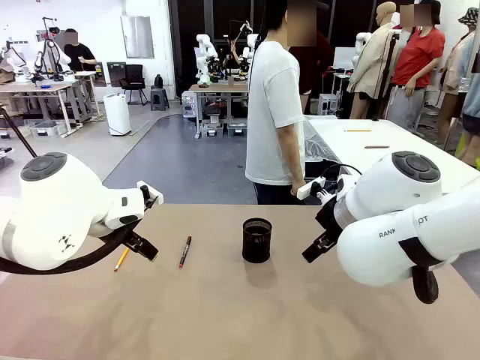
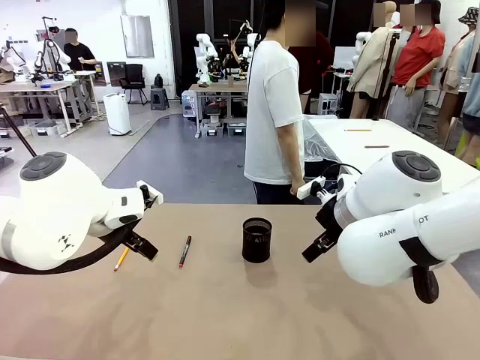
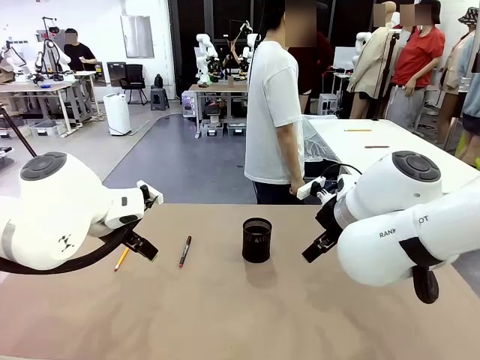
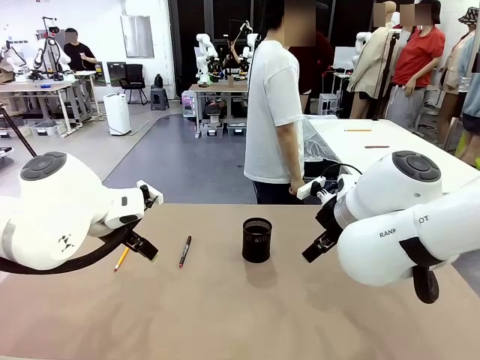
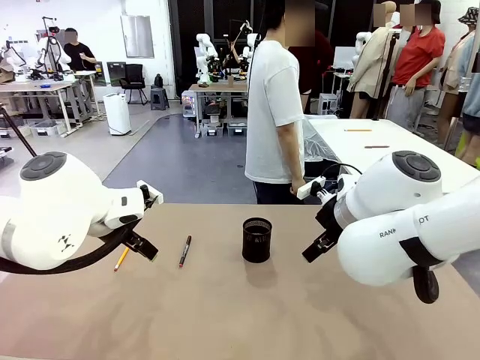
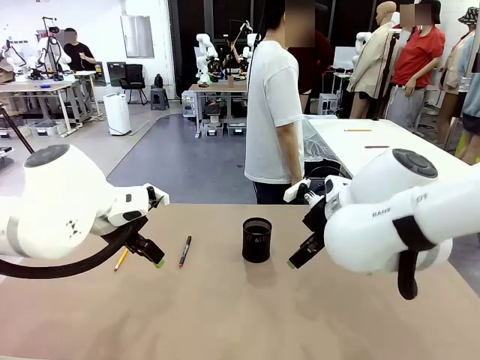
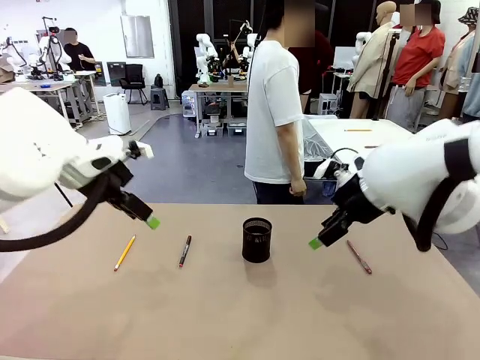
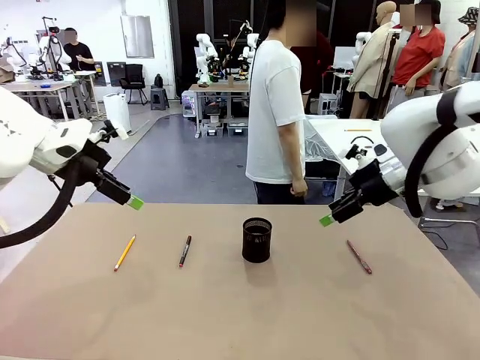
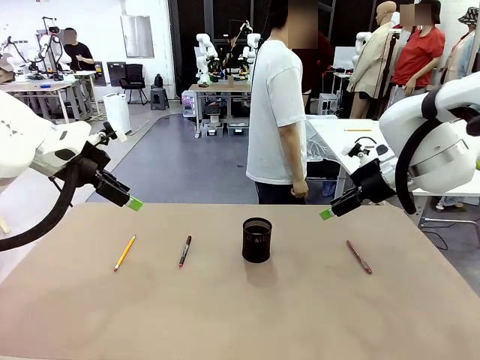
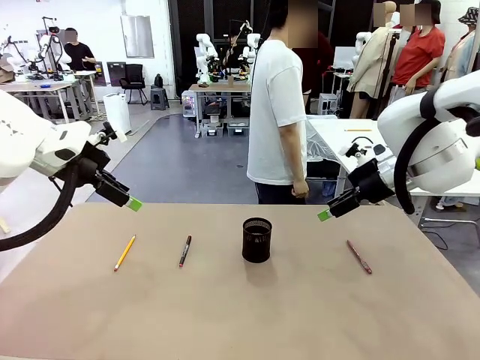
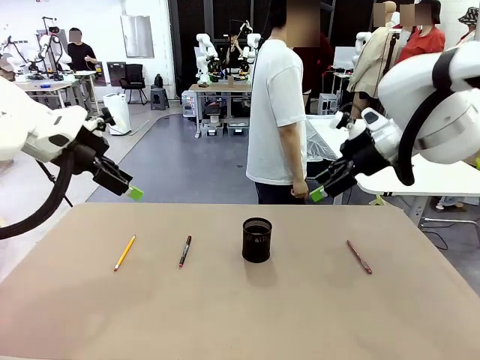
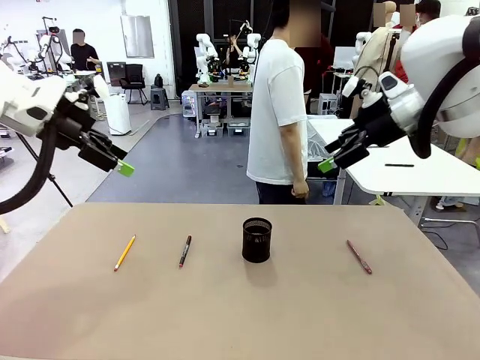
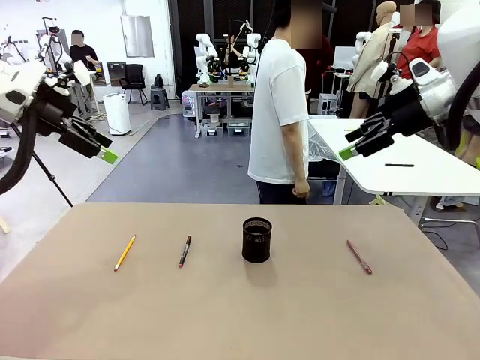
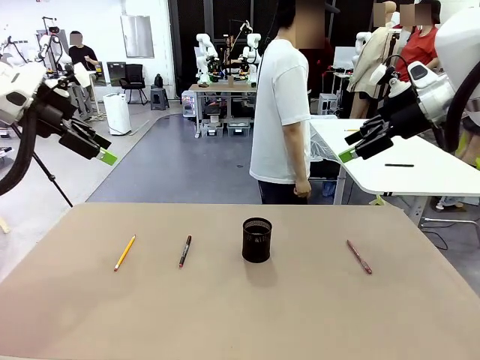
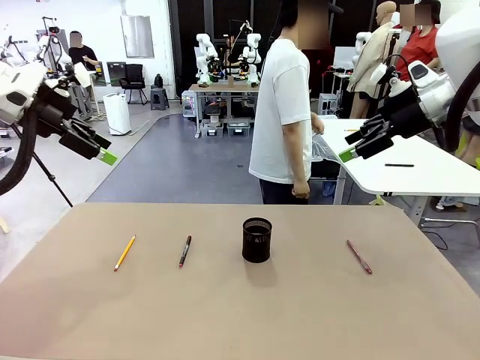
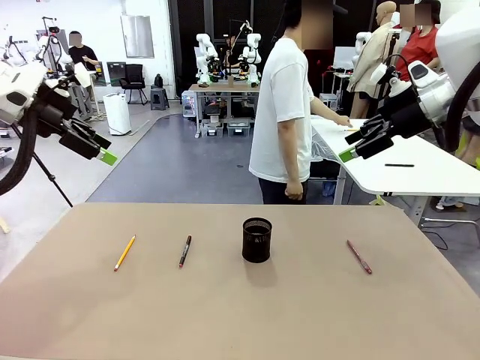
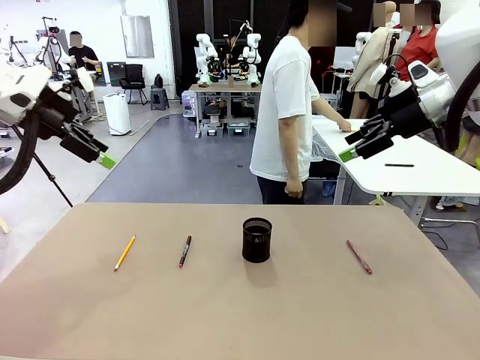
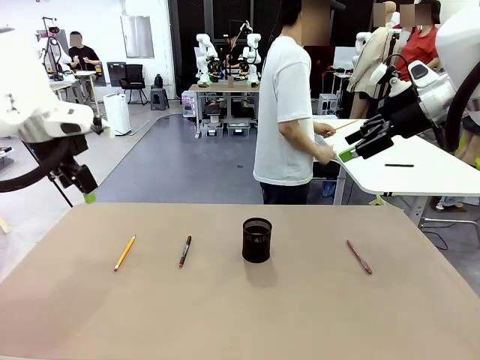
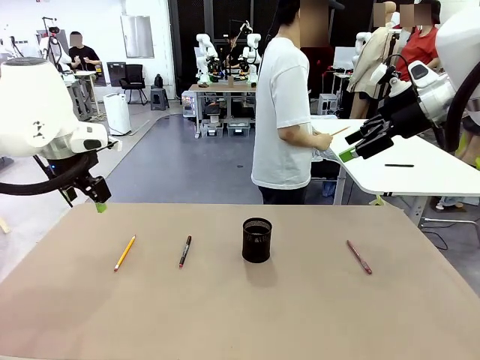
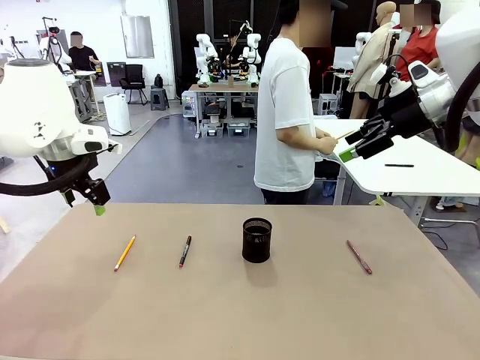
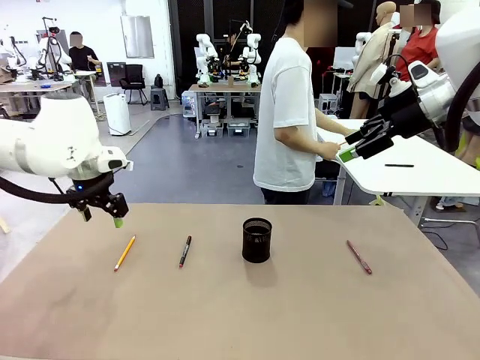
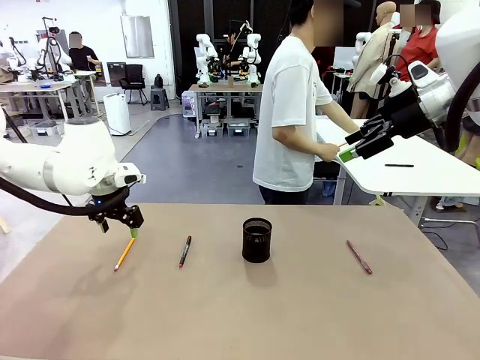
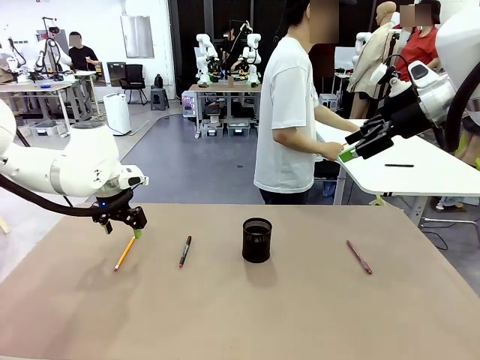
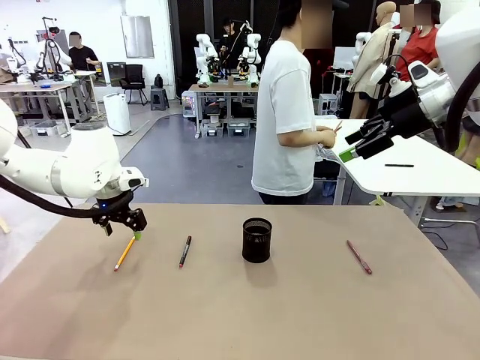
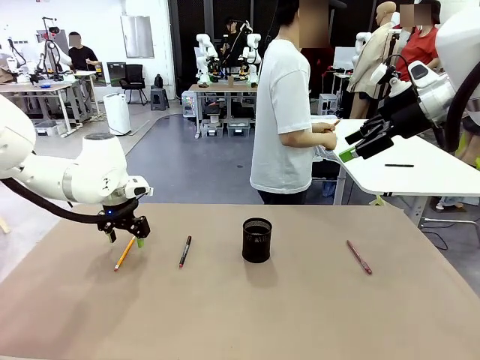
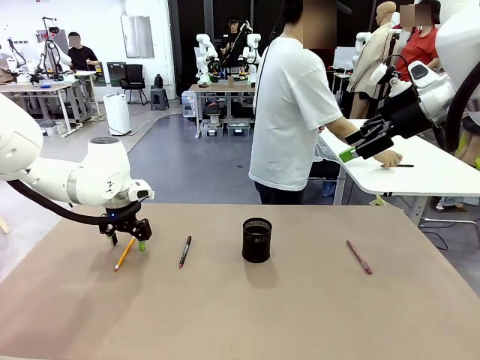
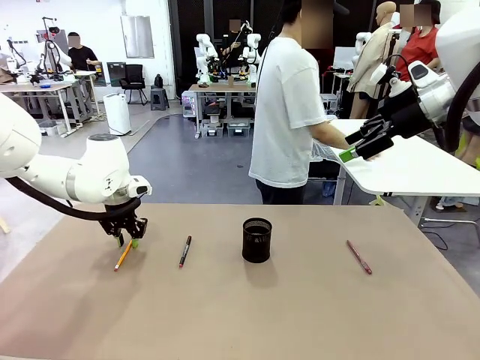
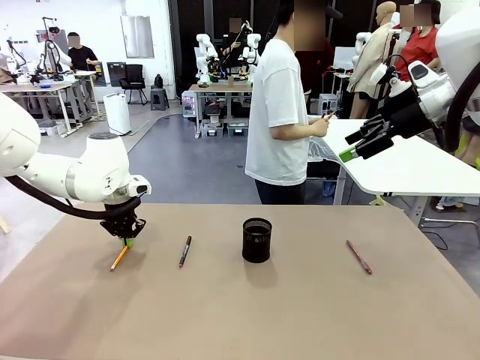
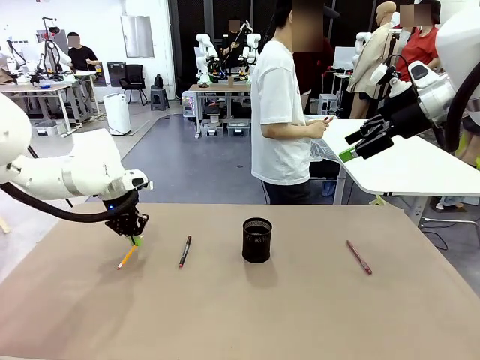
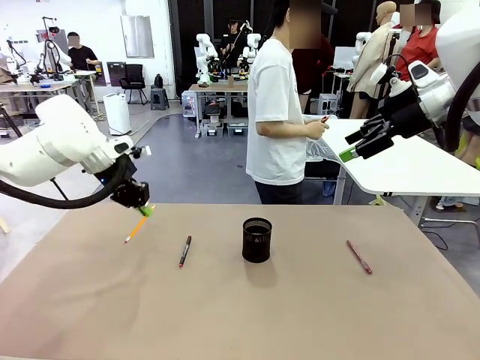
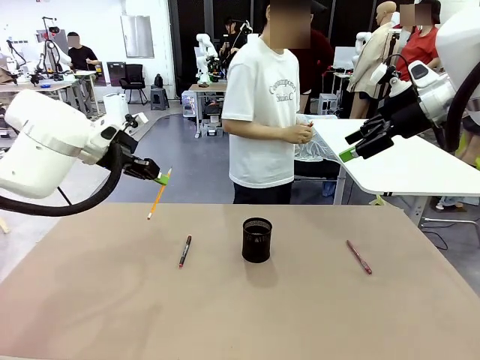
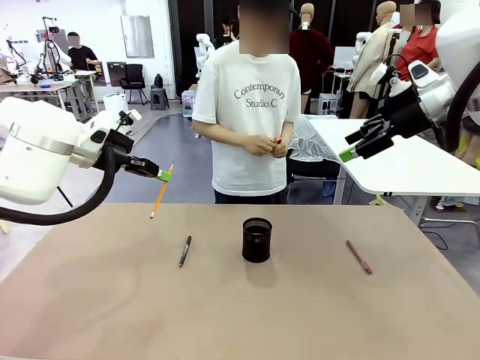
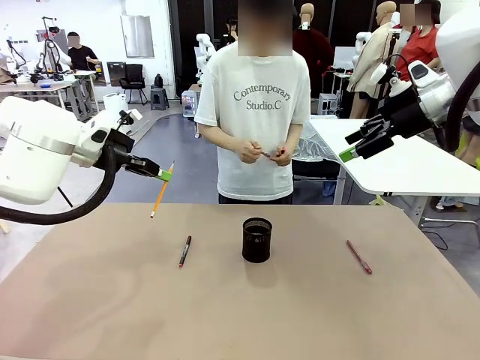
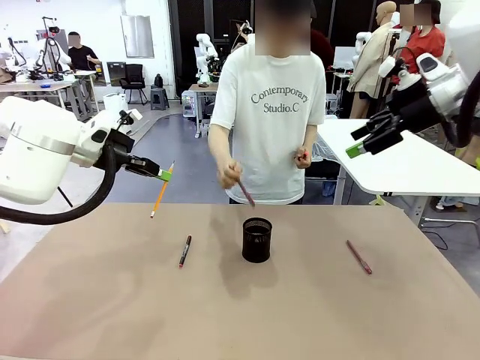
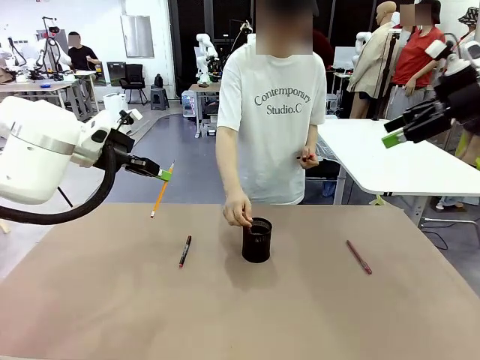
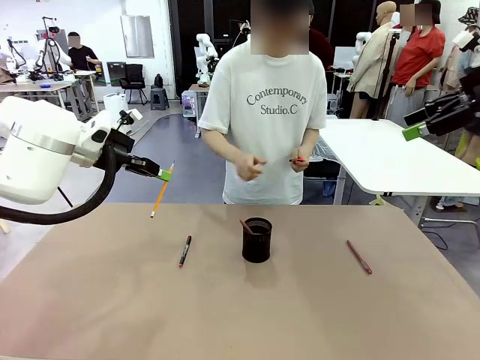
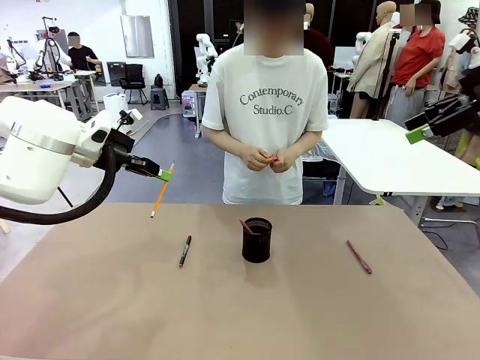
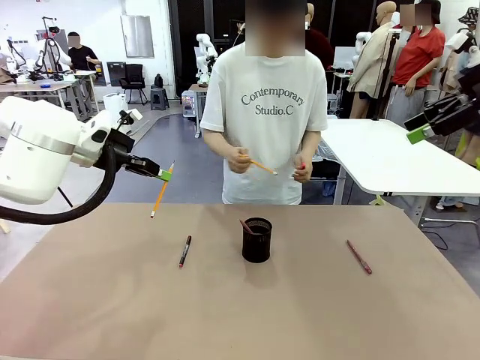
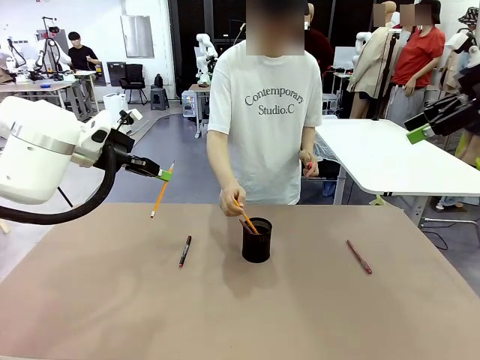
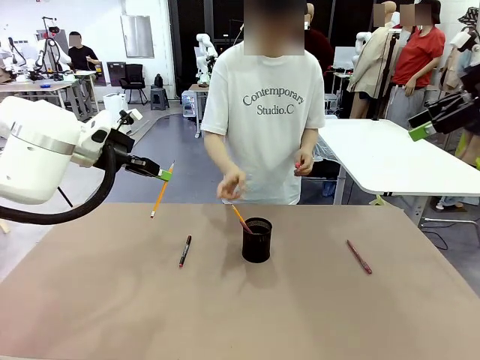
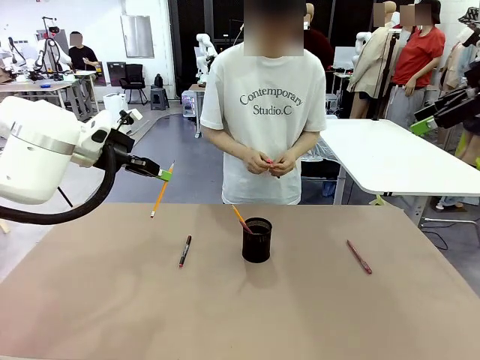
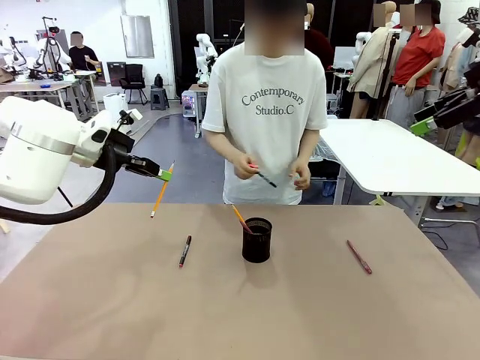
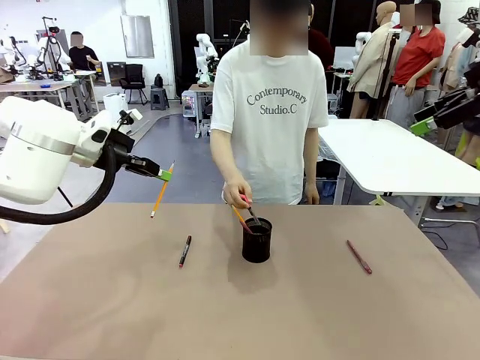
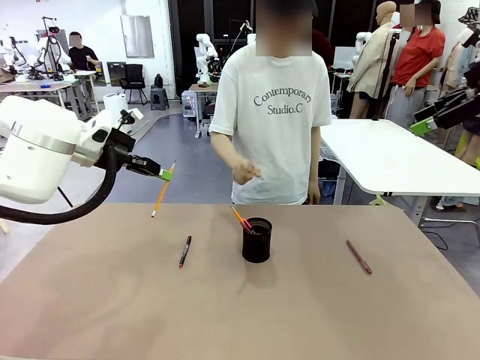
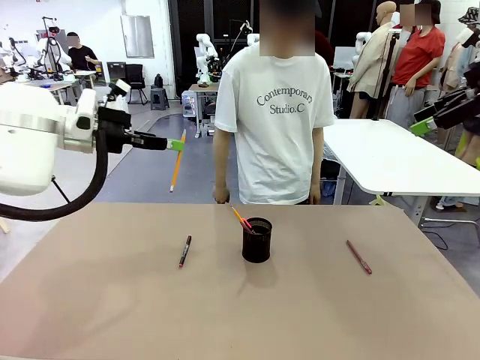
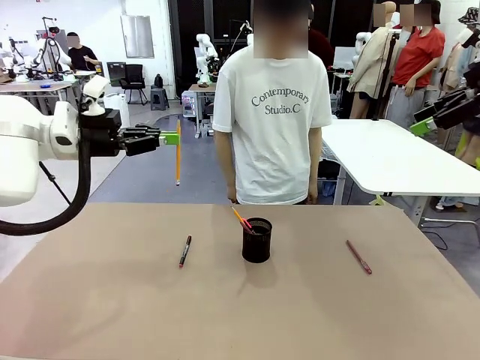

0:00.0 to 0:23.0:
Task: Place the pens into the pen holder.
Robot: Pick up a writing instrument from the table and place it into the Pen holder.
Person: Pick up all writing instruments from the Human table.
